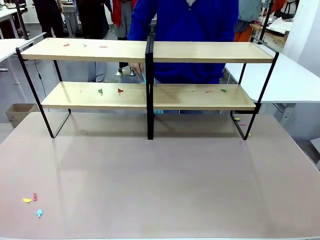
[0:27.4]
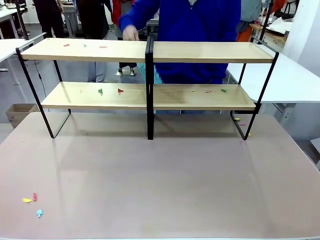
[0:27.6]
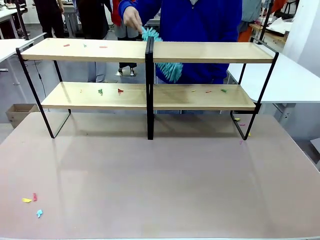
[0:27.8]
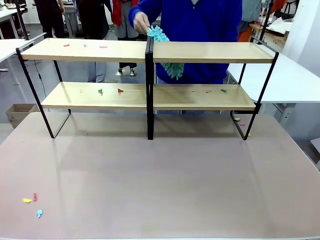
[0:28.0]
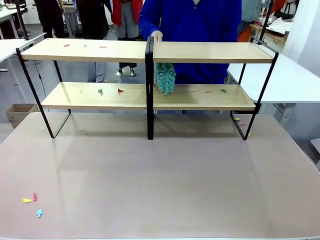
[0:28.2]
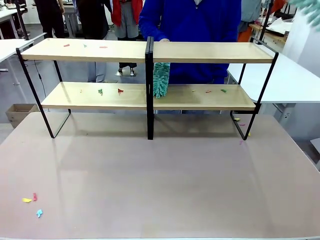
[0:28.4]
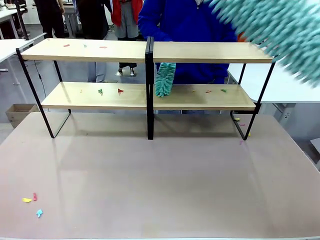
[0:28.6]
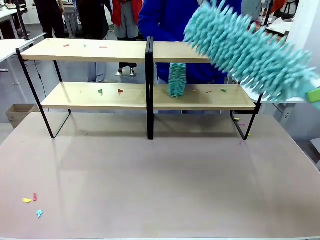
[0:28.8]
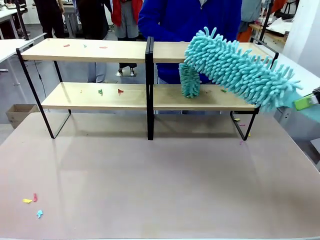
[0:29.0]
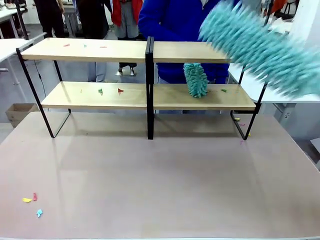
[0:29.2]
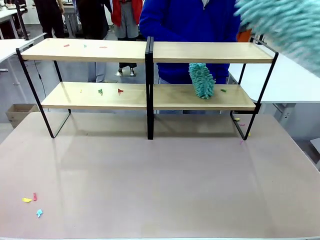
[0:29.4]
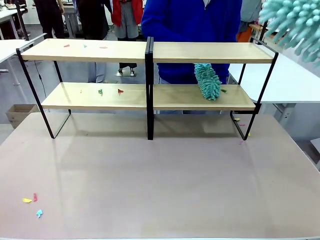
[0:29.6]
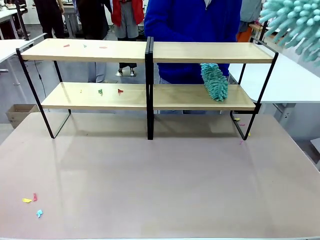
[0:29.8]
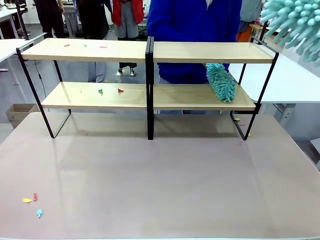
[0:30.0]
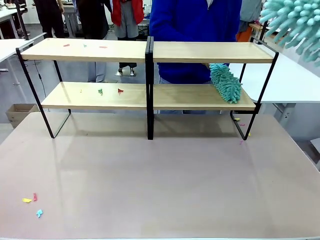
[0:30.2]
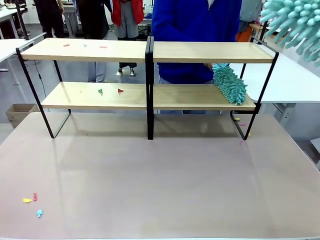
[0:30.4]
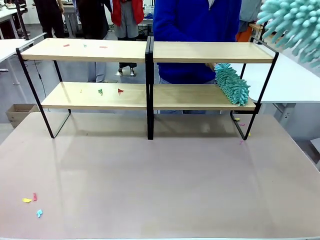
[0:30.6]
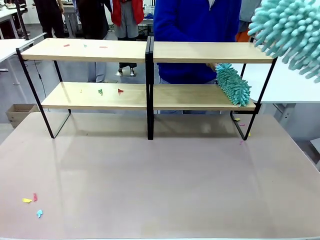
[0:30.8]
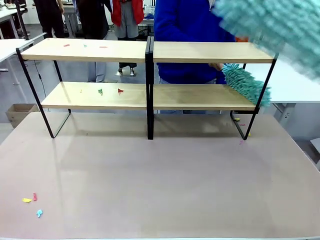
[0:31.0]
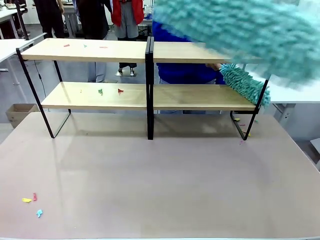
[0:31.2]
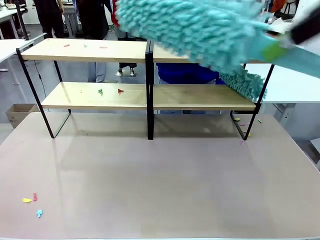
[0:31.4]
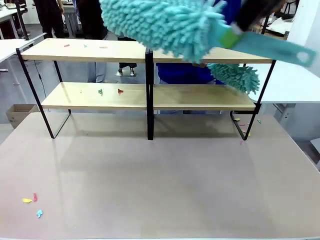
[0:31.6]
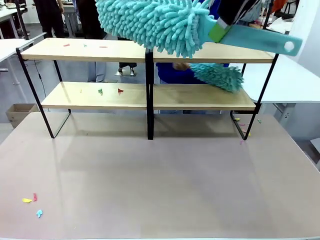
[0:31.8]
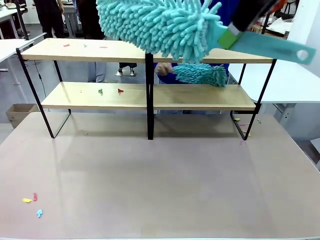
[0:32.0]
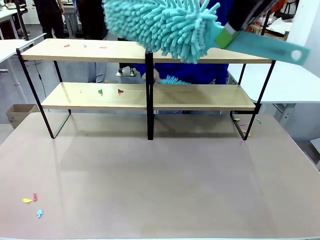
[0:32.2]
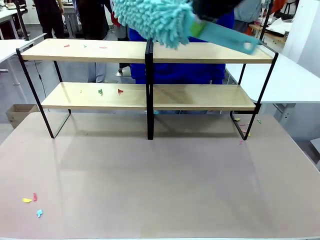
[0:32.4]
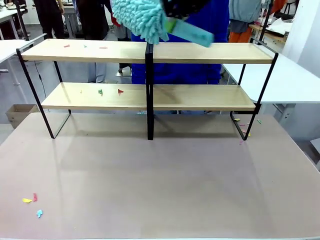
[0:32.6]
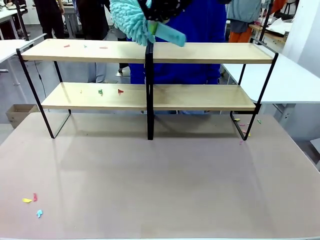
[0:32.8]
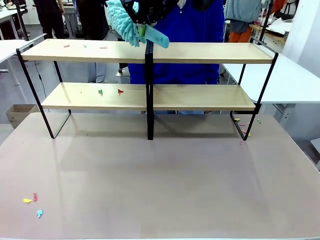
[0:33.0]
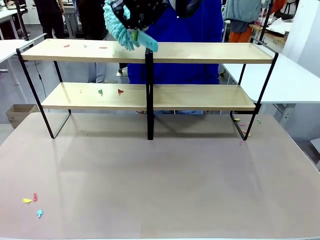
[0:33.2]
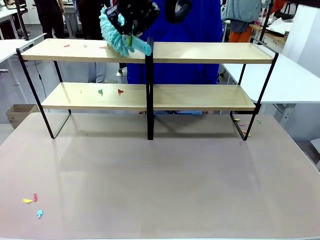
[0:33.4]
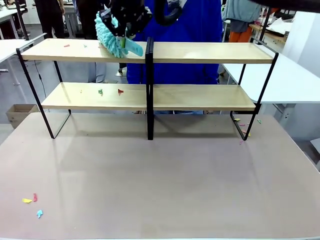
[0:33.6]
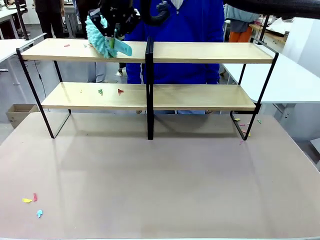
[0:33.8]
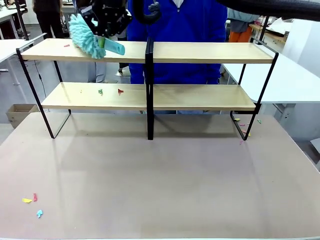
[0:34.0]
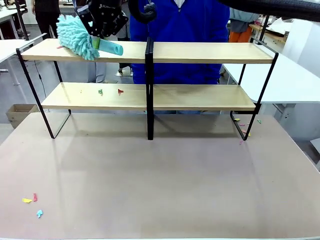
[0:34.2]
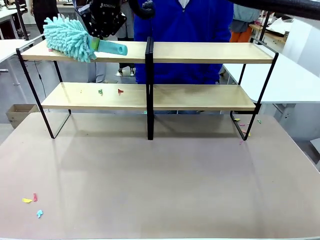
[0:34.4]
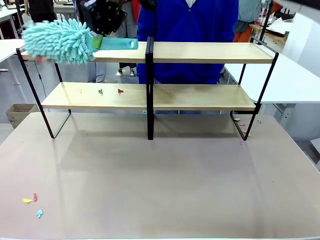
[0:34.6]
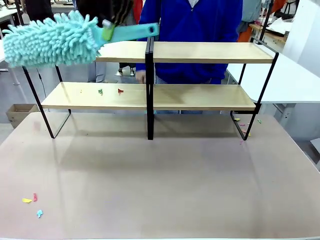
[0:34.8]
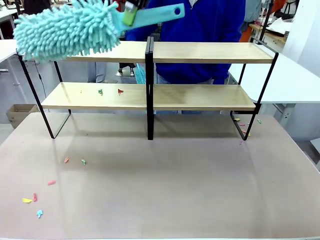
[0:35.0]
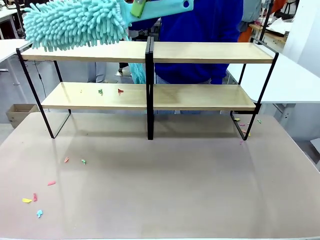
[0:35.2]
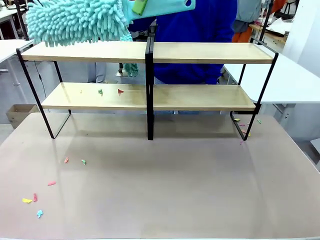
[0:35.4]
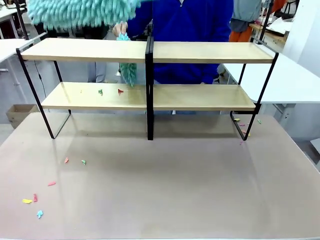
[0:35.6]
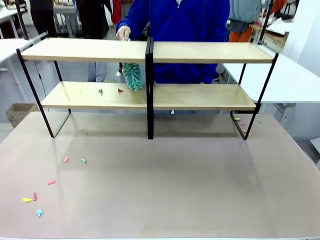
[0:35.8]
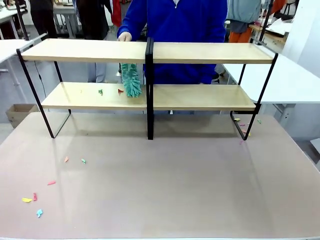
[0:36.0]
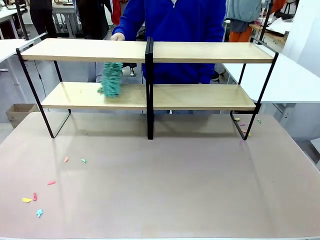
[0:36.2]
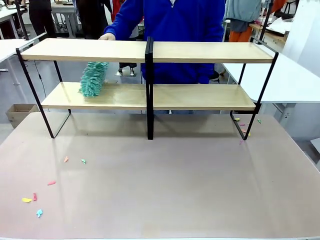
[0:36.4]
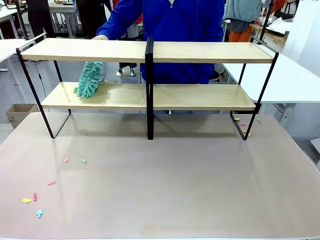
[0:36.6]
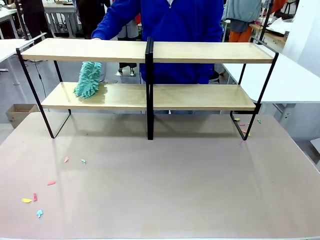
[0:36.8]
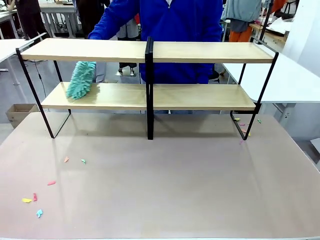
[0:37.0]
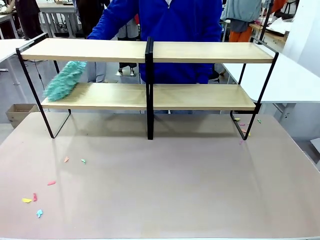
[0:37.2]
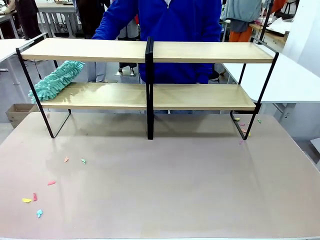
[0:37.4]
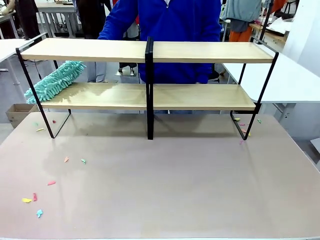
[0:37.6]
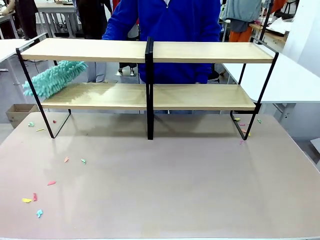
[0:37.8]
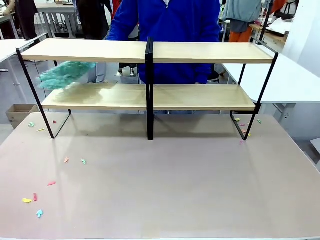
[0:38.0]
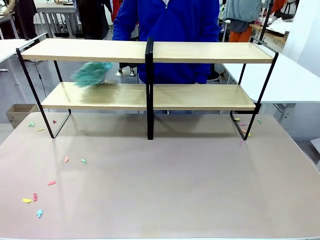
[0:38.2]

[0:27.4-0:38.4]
Task: Clean the shelves.
Robot: Clean another randomly selected level of the Shelf with the Duster.

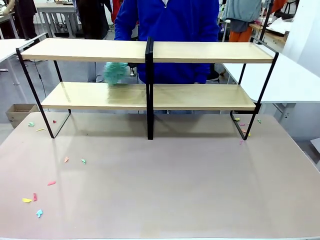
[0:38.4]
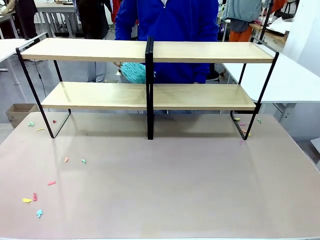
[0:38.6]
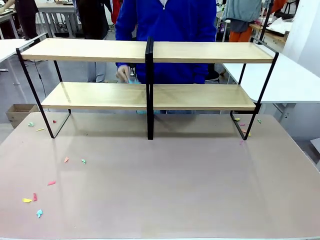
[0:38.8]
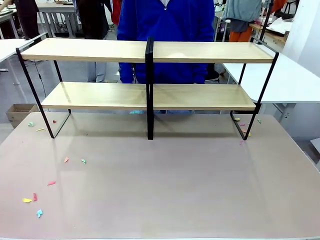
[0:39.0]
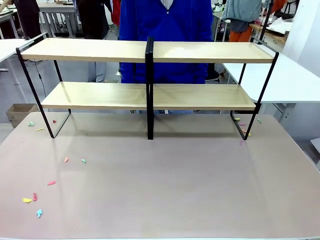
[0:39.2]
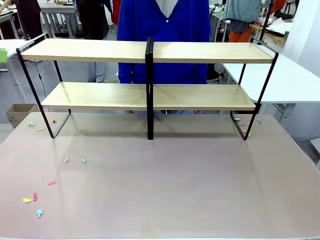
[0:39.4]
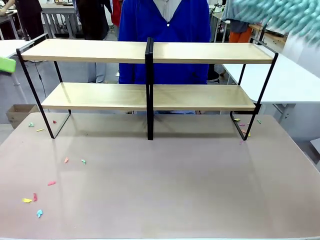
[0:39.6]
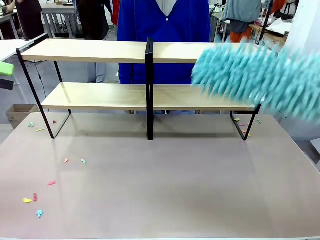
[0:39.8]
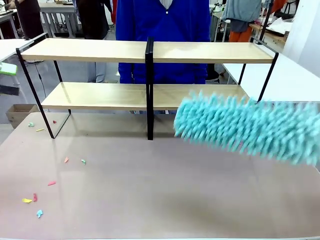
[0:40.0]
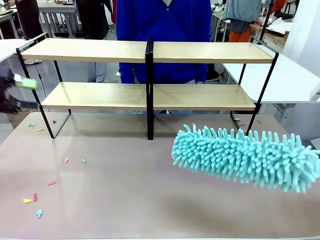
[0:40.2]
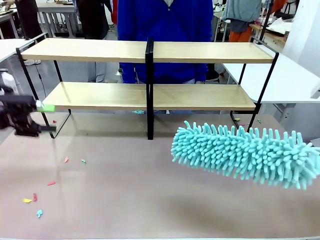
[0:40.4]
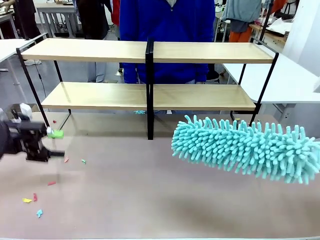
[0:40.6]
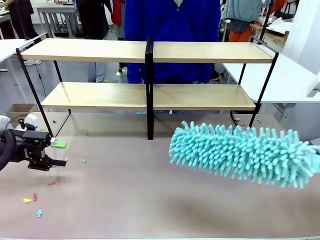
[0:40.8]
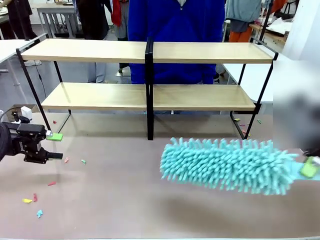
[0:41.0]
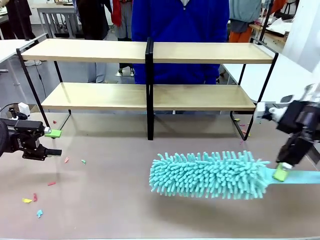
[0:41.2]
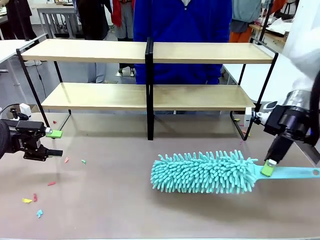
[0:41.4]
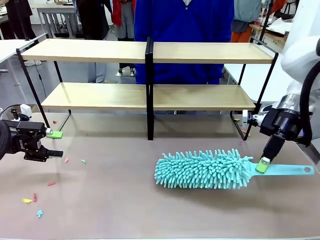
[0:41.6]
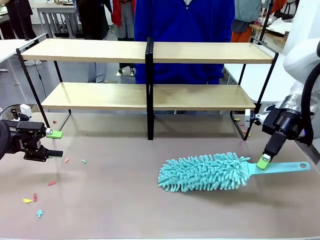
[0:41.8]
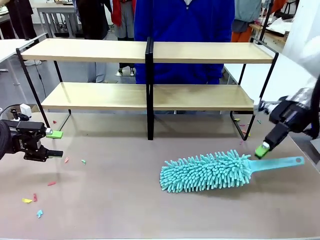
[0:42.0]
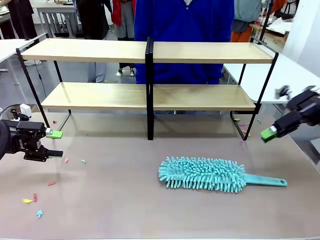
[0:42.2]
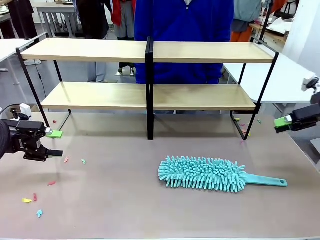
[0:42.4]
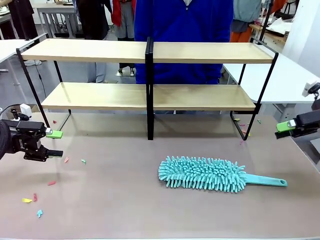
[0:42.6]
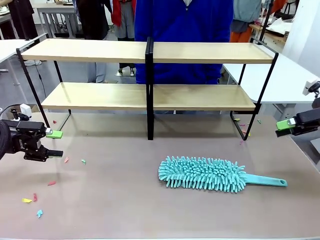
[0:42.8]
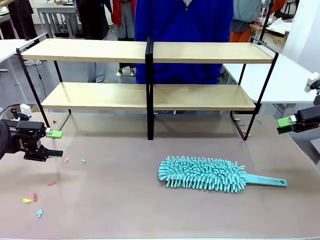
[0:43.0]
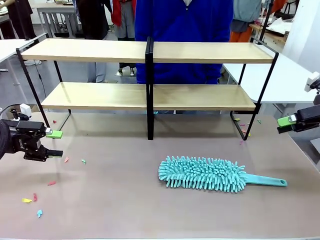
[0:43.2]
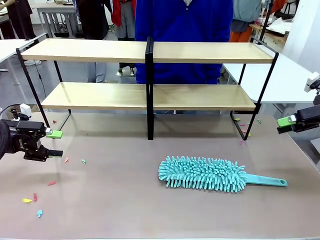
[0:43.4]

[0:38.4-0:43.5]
Robot: Place the Duster on the table.

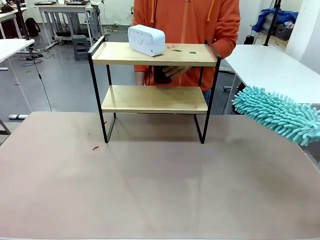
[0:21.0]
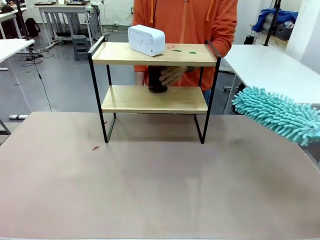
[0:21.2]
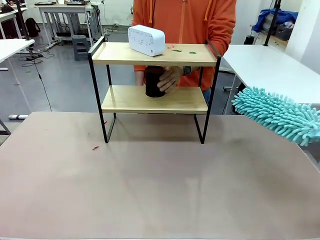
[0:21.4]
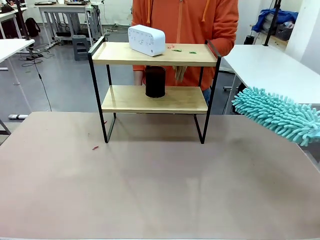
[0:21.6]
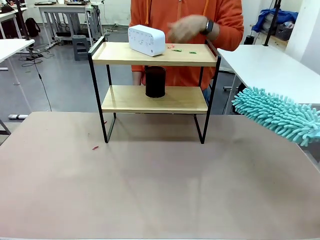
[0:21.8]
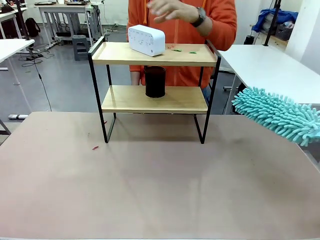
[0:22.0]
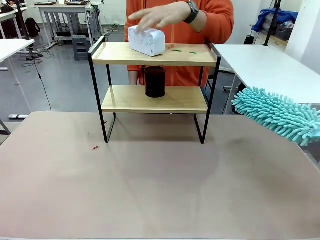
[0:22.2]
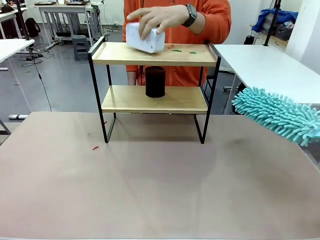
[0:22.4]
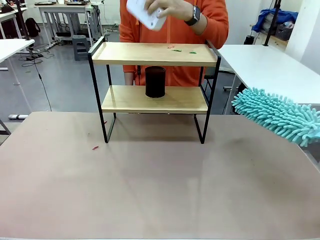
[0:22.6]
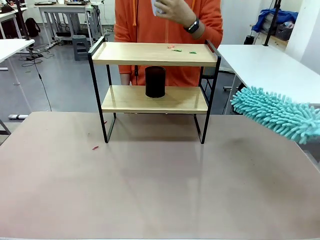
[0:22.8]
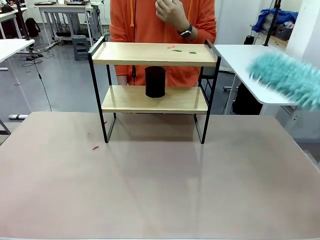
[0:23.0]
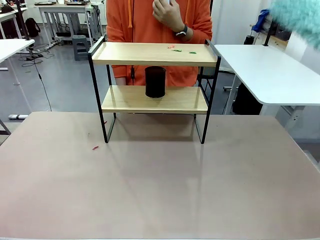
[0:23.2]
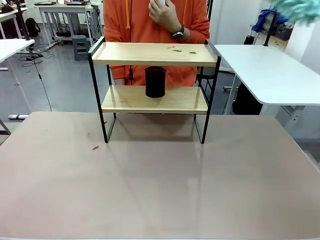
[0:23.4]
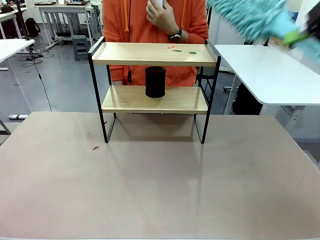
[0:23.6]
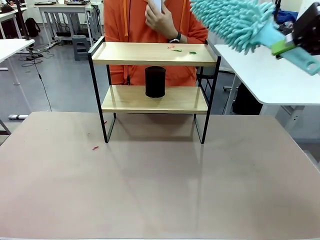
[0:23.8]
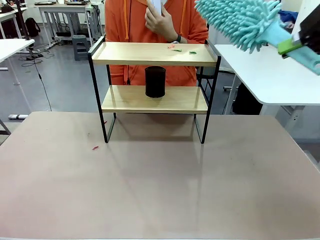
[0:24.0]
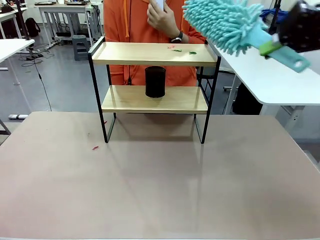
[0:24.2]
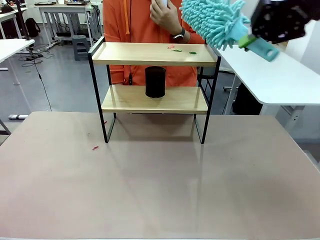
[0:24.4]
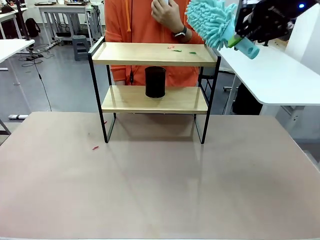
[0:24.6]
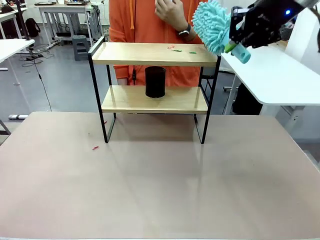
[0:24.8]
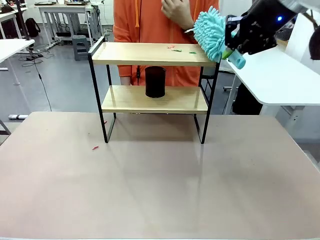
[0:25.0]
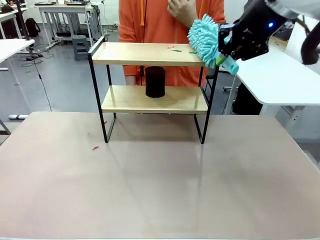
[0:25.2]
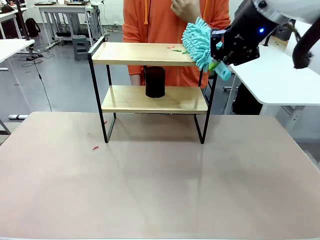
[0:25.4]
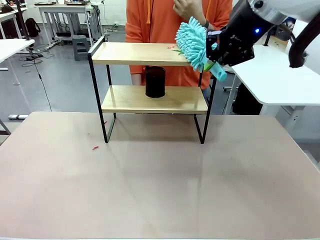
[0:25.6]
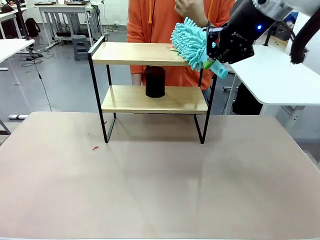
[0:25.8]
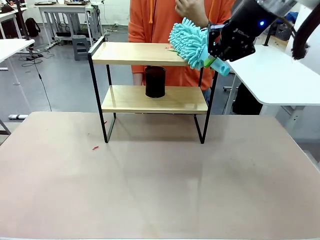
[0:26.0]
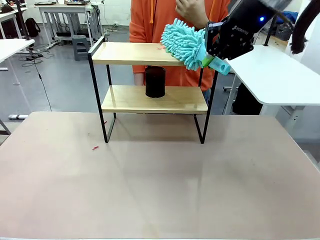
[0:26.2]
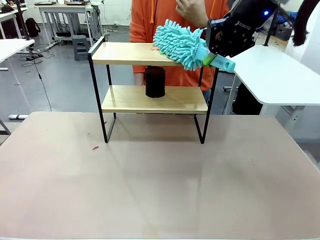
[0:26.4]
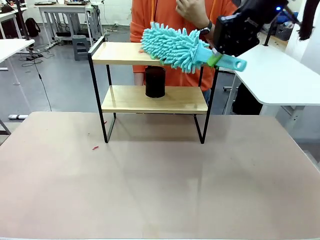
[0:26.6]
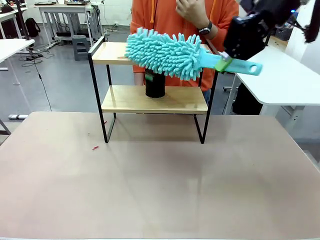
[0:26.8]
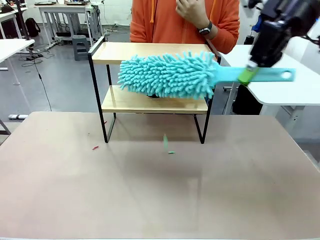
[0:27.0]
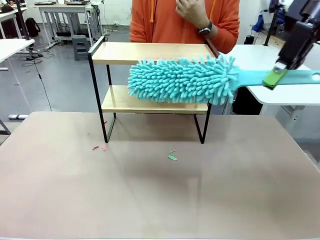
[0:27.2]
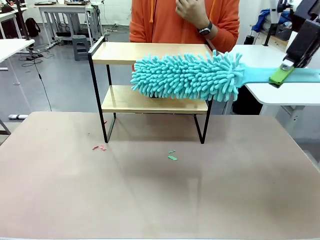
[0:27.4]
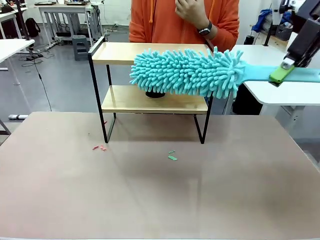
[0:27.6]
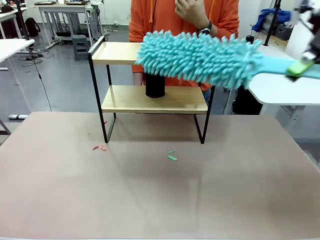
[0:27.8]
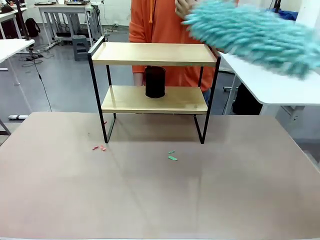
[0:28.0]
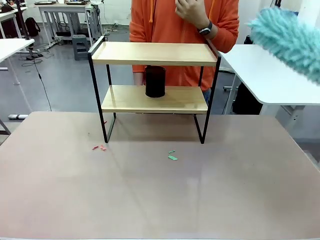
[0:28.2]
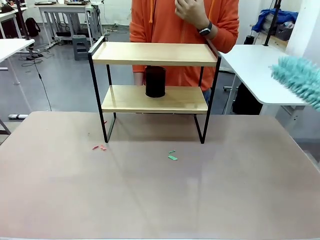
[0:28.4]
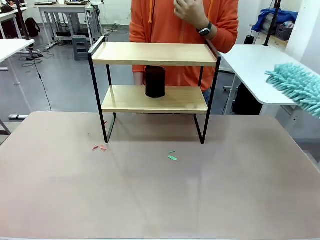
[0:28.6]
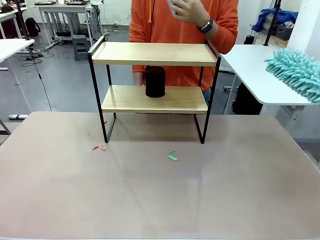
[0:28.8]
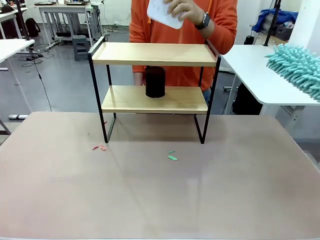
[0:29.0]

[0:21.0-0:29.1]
Task: Clean the shelf.
Robot: Clean the remaining tier of the Shelf with the Duster once objects are removed.
